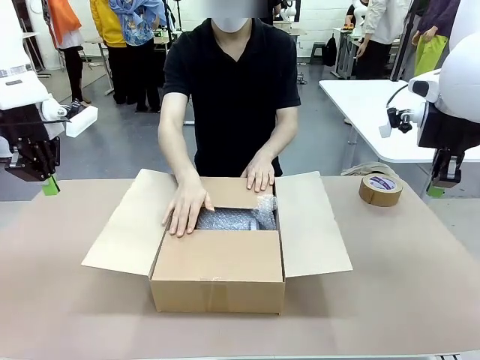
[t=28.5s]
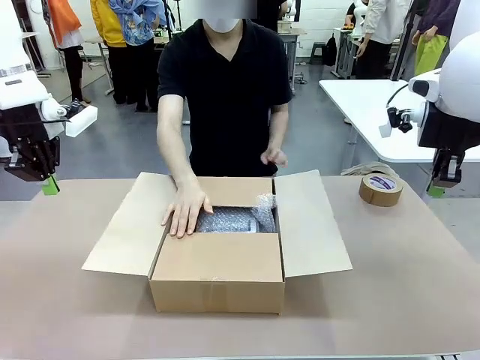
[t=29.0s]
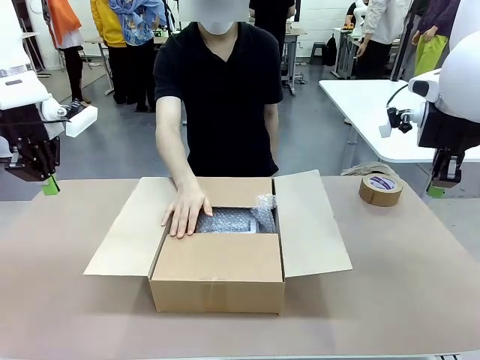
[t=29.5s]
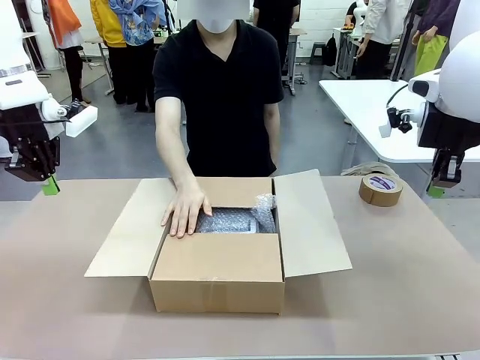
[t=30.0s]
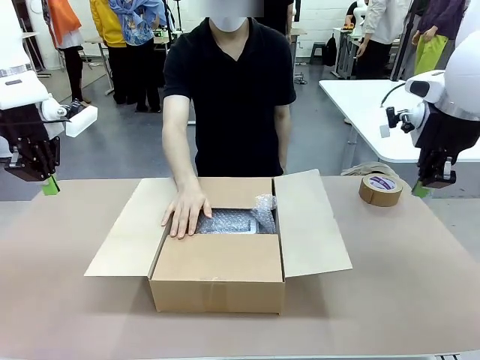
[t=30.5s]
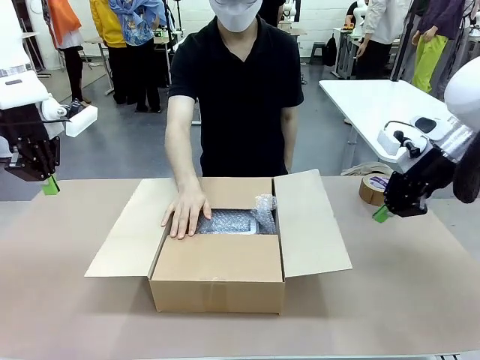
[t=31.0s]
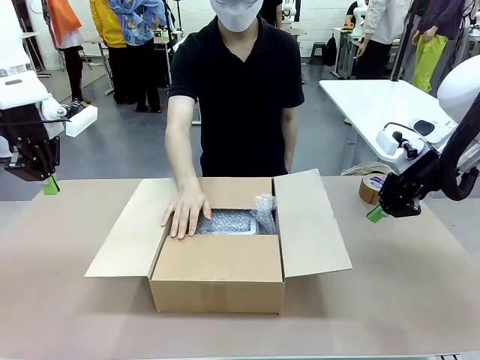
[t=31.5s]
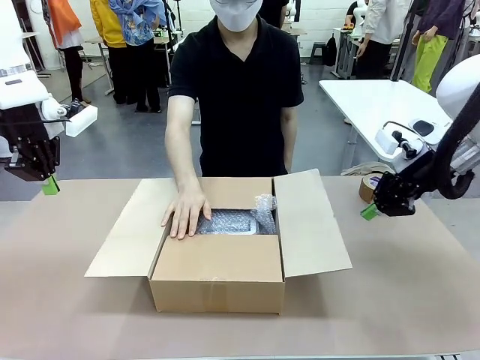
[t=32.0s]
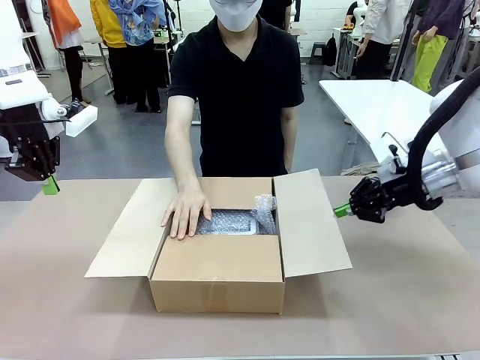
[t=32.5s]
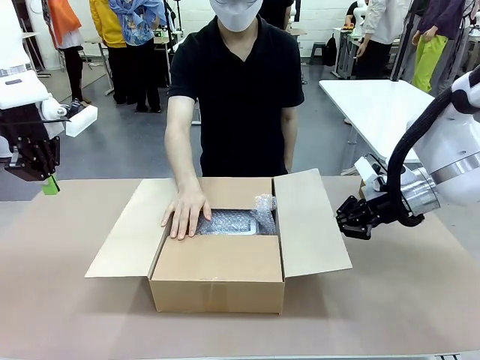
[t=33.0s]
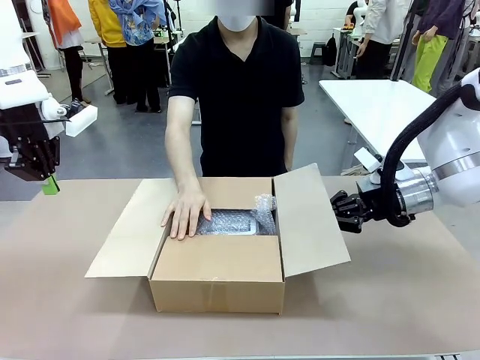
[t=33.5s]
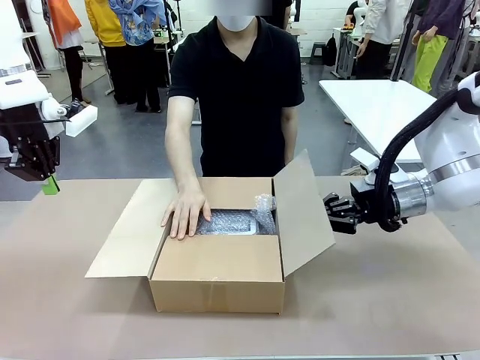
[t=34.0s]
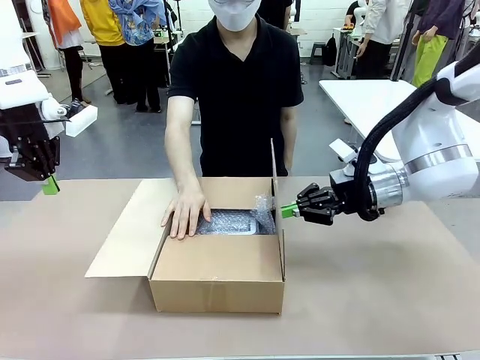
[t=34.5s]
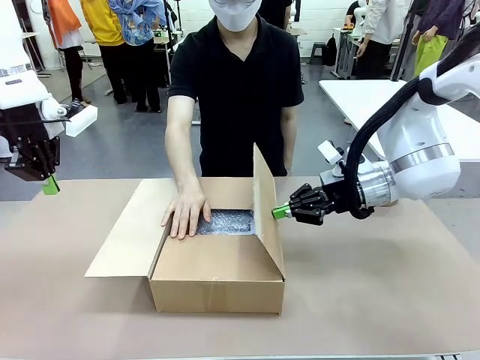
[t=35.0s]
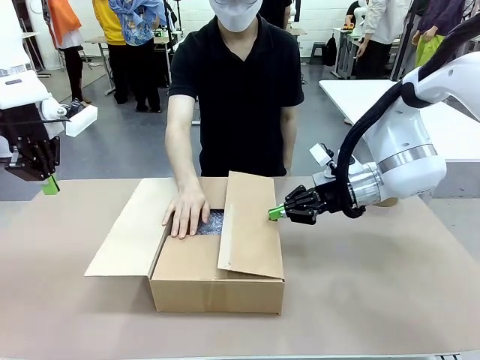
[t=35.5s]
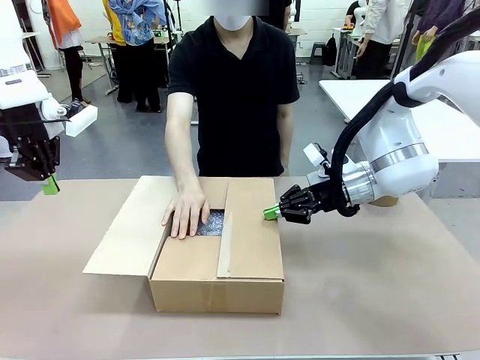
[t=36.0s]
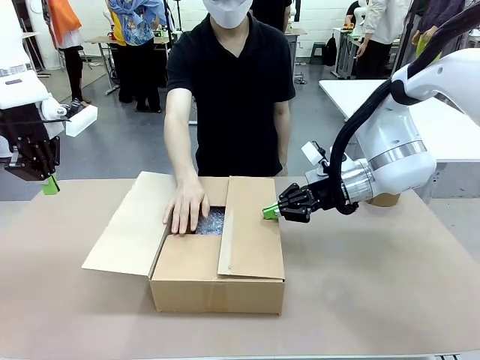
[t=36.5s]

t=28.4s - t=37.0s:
Task: Wrap the clocks to prevent damage.
Robot: Push the right (or left) flap of the Package Box to close it.
Person: Once the robot closes the right flap of the Package Box , release your left hand from the box.

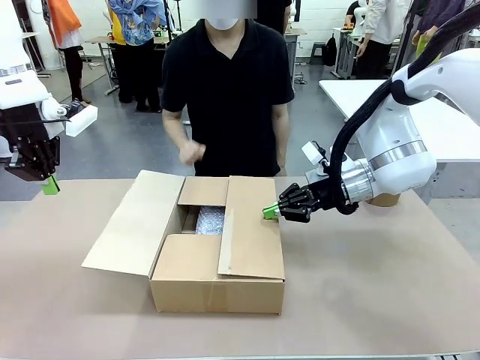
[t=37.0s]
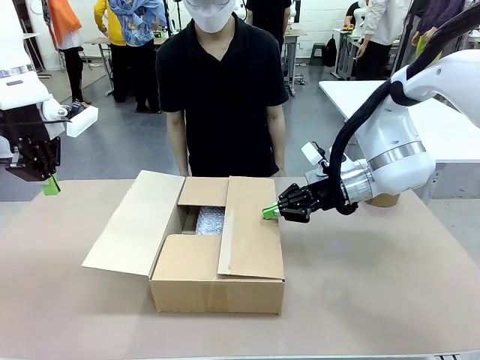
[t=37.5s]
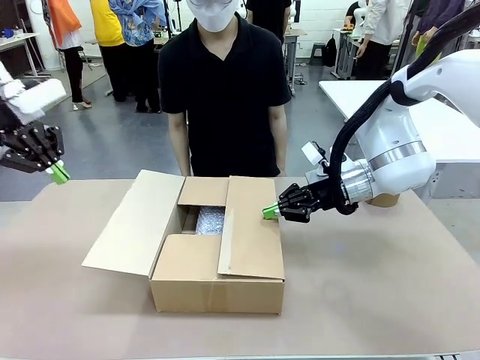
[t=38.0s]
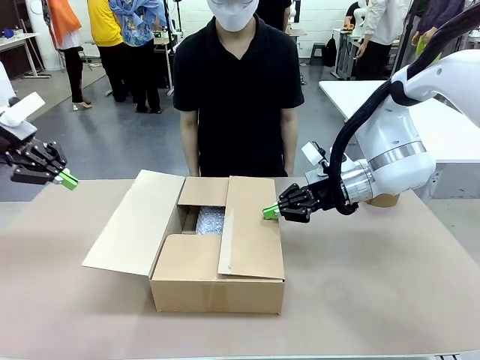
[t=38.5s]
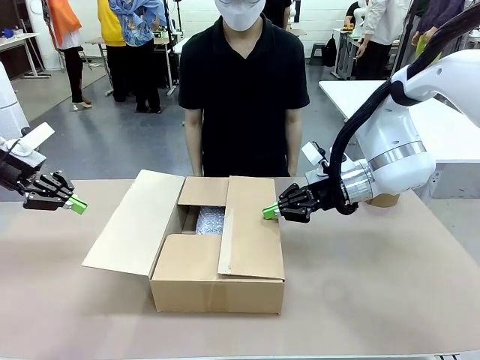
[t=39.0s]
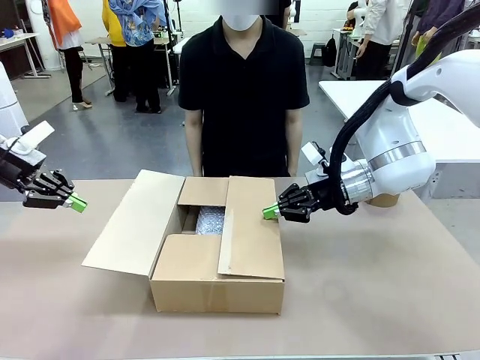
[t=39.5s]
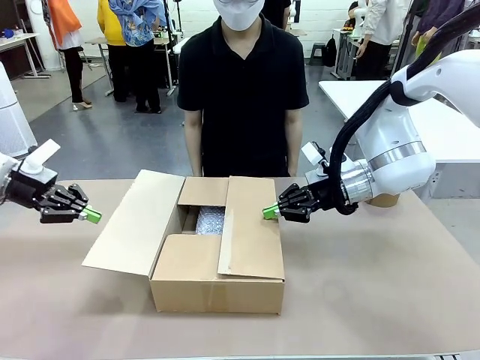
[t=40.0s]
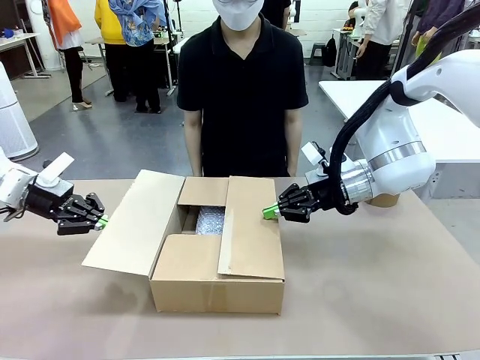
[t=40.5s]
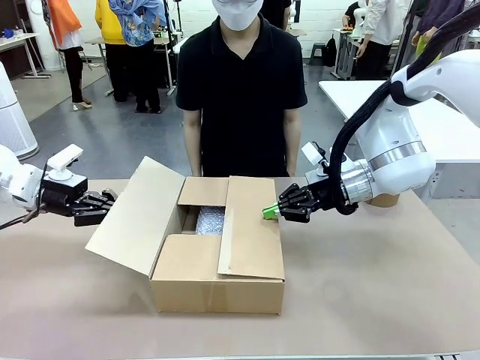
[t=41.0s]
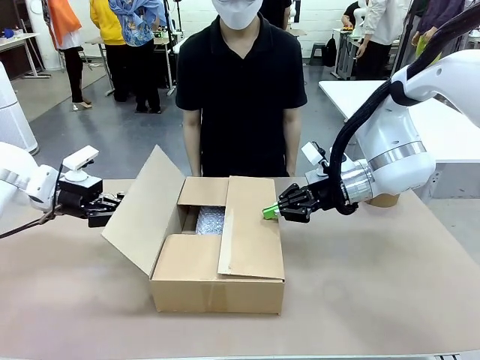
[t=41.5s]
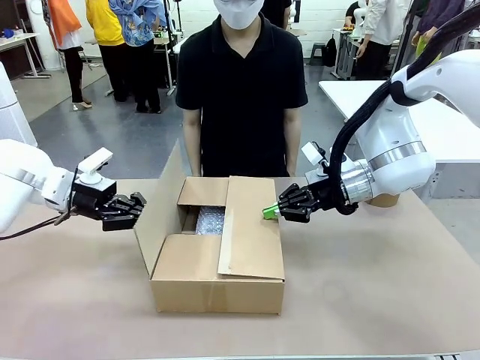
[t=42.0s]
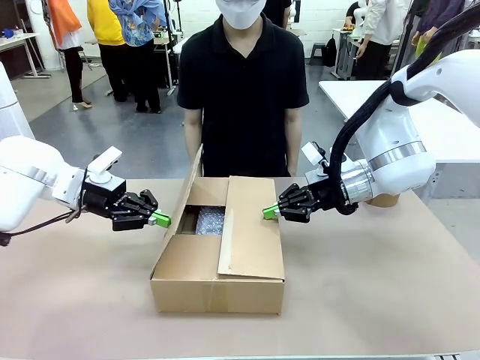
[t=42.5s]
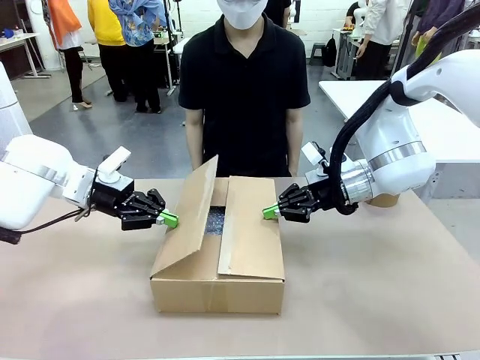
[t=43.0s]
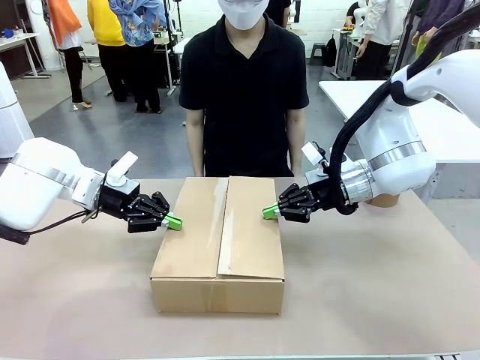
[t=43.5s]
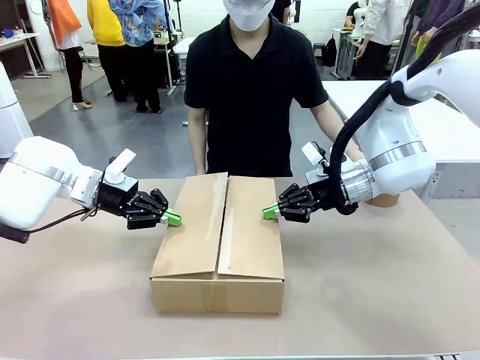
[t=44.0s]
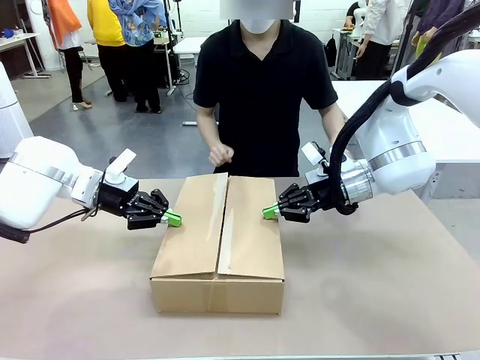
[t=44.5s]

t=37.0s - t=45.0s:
Robot: Push the left (or right) flap of the Package Box to close it.

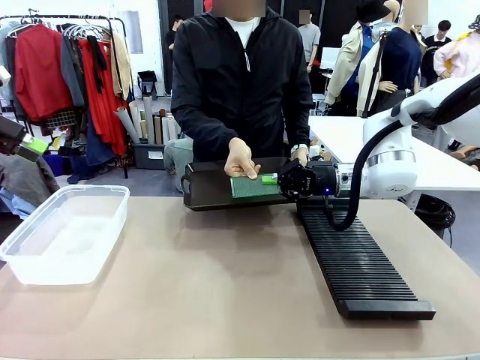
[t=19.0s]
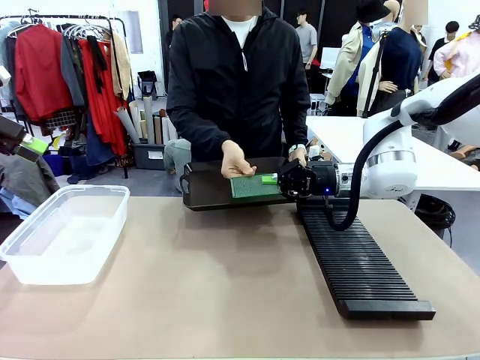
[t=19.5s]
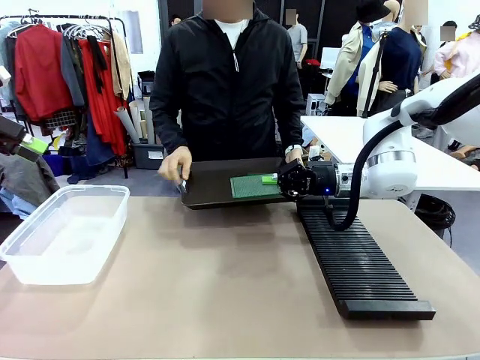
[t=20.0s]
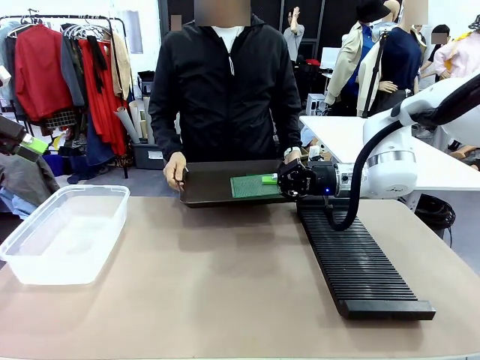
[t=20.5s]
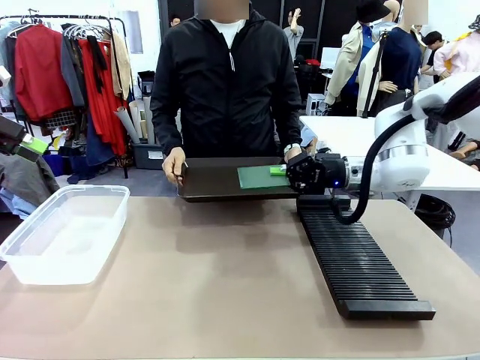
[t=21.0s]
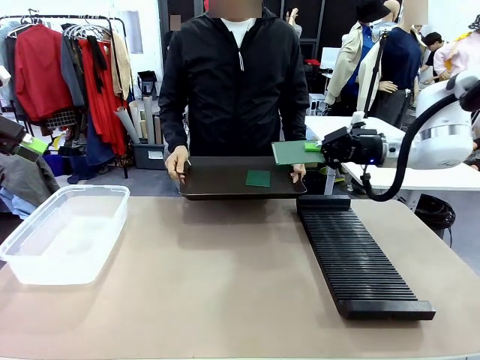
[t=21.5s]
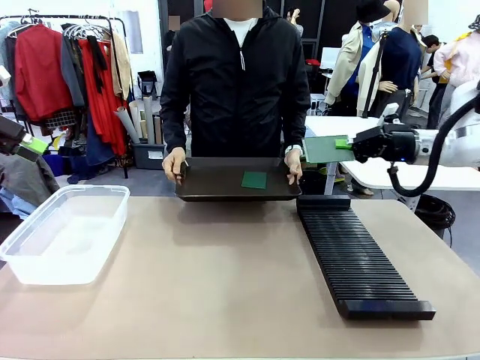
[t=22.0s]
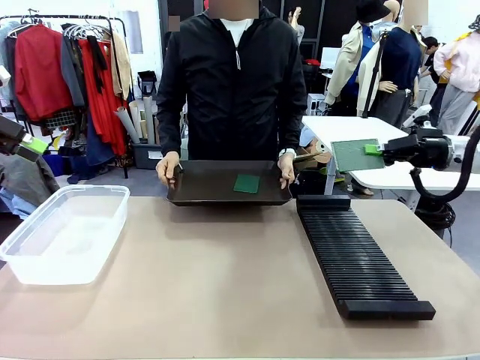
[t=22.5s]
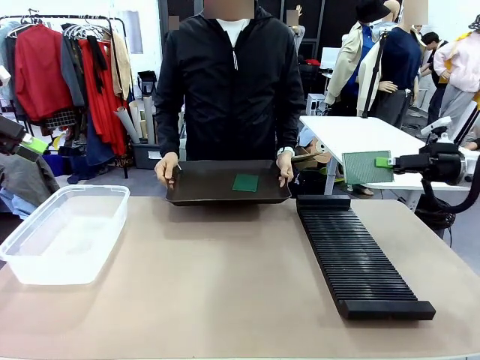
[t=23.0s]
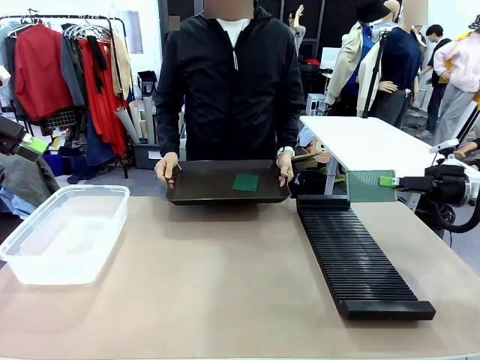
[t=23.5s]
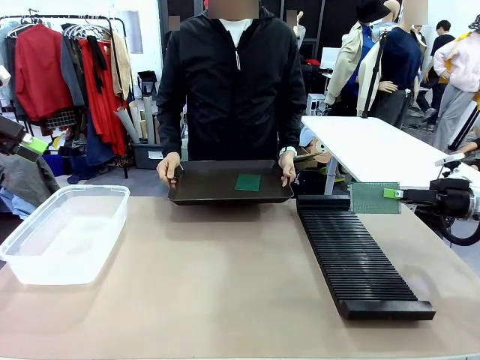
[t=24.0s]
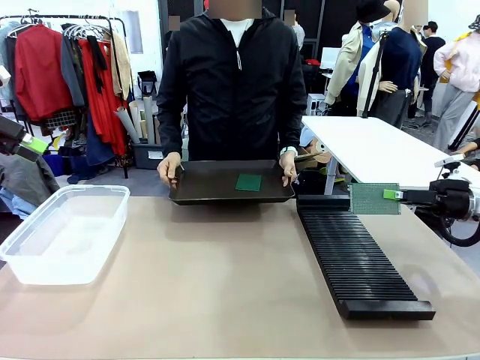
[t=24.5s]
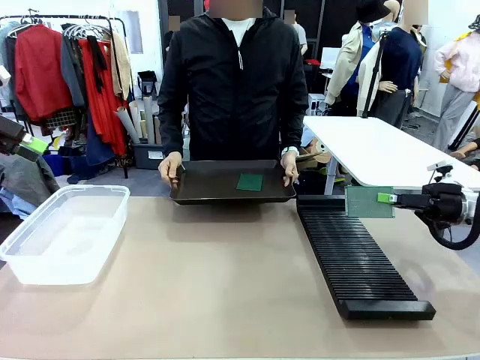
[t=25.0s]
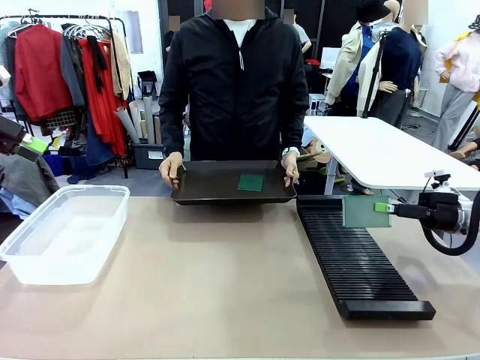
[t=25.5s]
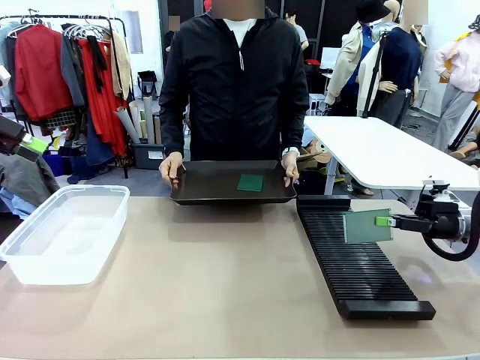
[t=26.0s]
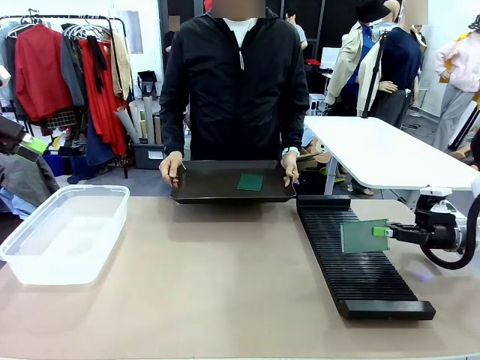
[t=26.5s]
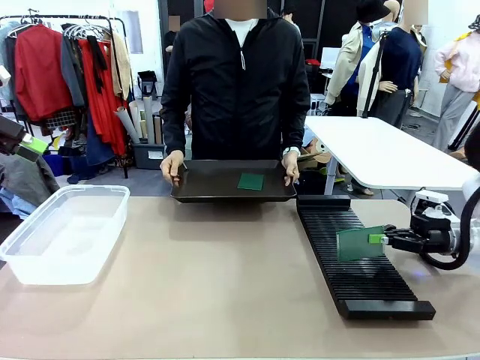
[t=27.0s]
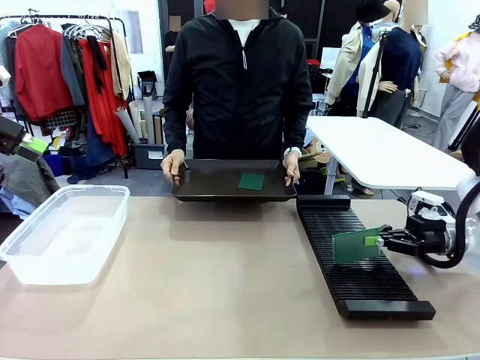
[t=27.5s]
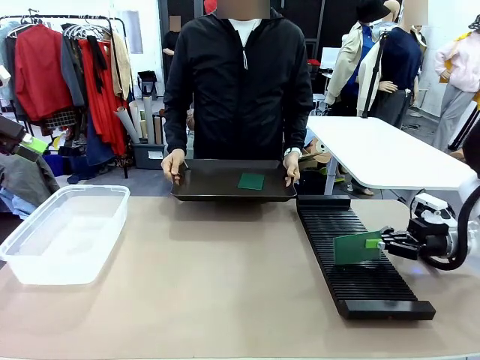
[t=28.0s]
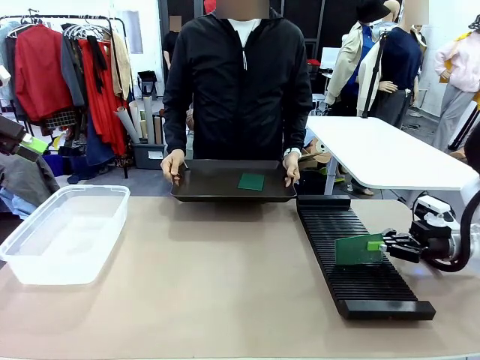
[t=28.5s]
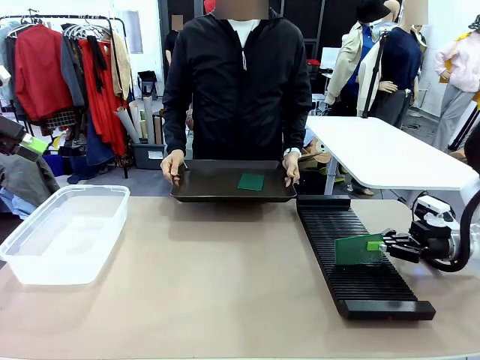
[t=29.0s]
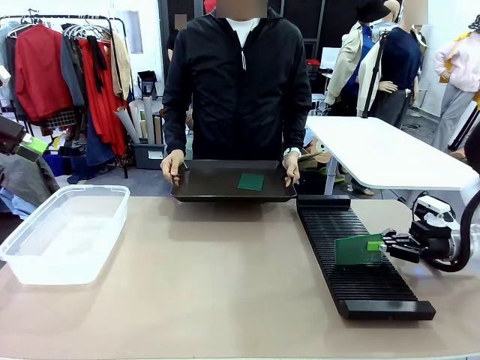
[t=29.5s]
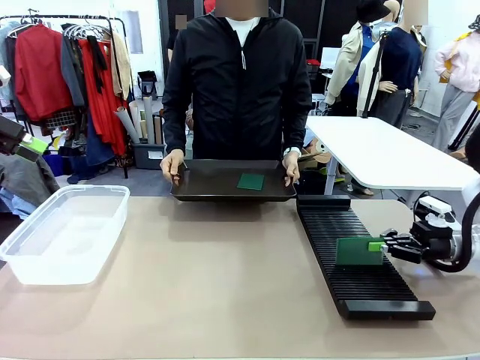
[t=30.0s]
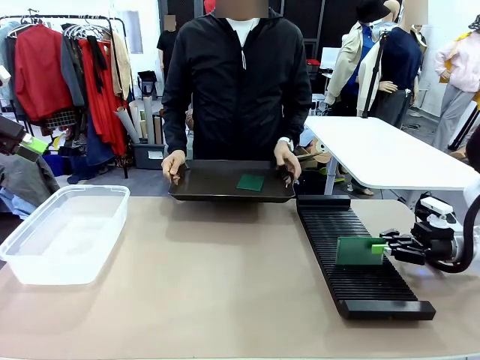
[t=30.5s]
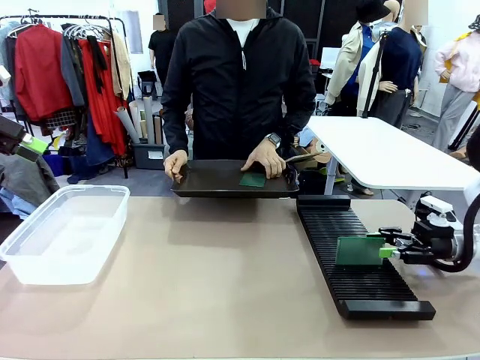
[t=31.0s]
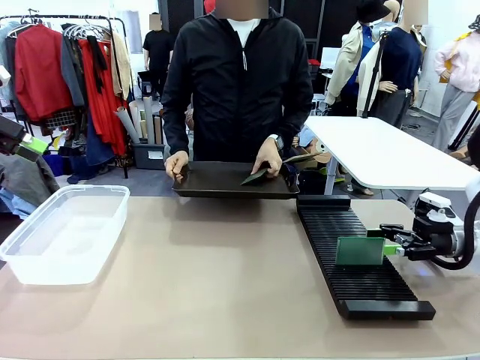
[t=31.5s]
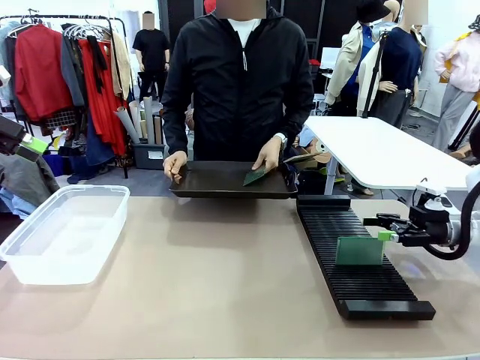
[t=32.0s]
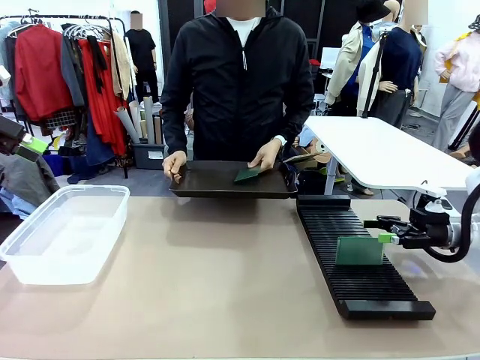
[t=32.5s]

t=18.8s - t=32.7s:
Task: Sort PCBs into racks and boxes based on the side picked up.
Robot: If the short side of the Blank PCB is picked up, insert it into the PCB Rack ; if the long side is picked up, place it in the Organizing box.
Person: Pick one PCB from the tray and present it to the robot.
